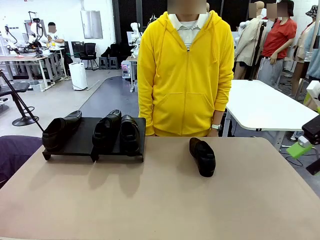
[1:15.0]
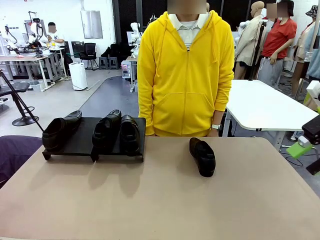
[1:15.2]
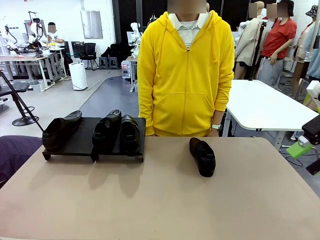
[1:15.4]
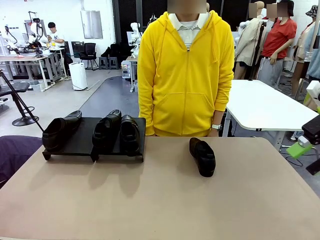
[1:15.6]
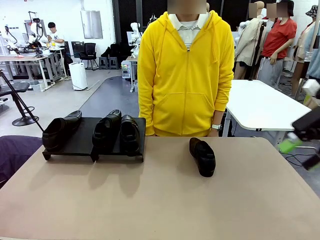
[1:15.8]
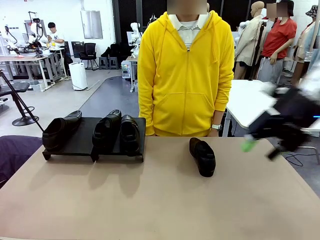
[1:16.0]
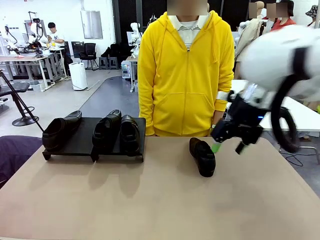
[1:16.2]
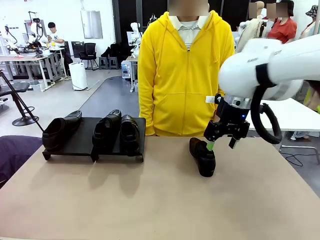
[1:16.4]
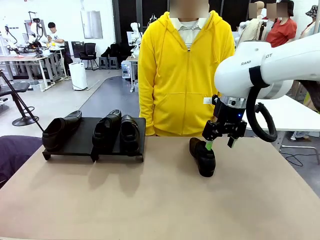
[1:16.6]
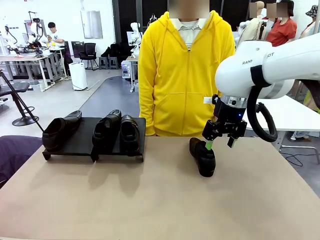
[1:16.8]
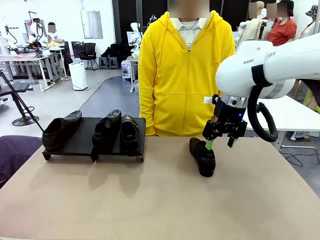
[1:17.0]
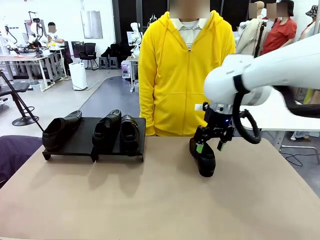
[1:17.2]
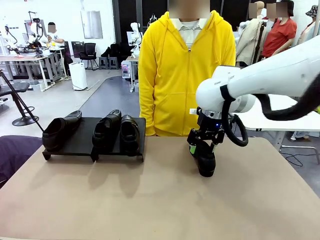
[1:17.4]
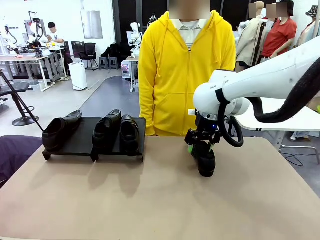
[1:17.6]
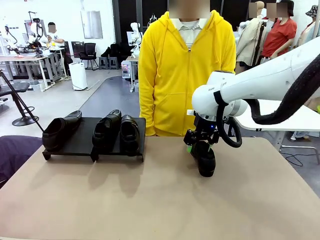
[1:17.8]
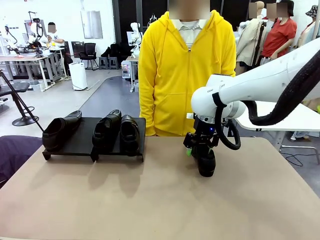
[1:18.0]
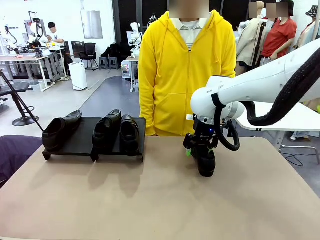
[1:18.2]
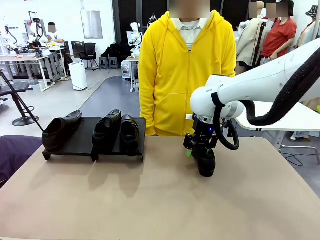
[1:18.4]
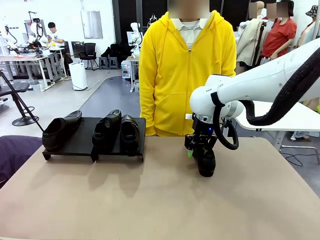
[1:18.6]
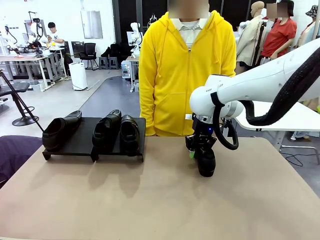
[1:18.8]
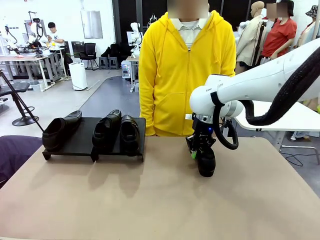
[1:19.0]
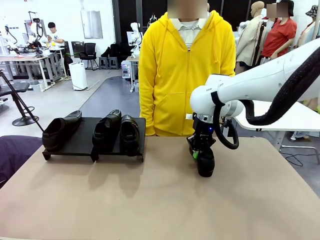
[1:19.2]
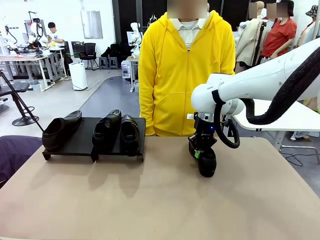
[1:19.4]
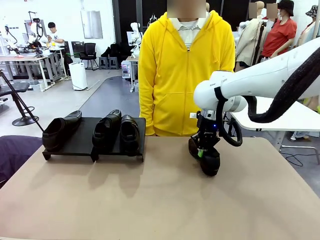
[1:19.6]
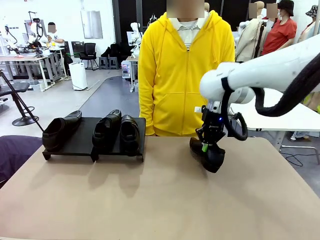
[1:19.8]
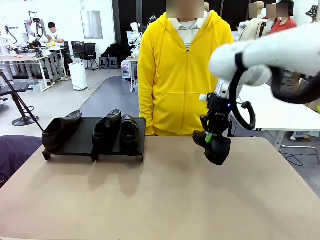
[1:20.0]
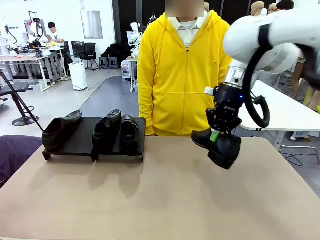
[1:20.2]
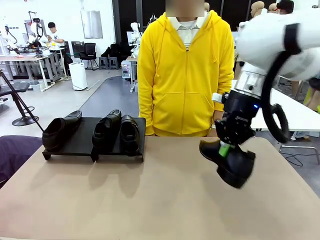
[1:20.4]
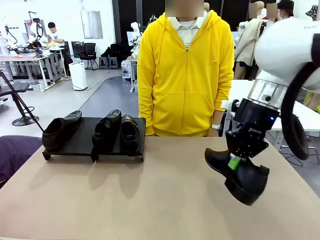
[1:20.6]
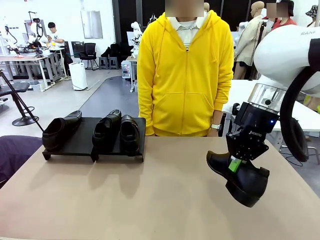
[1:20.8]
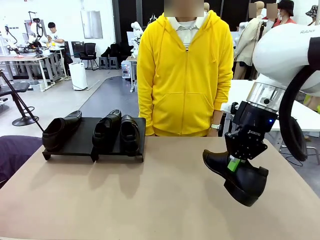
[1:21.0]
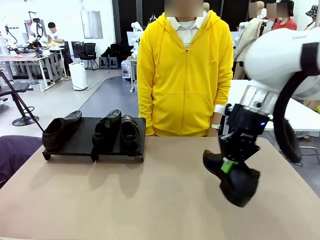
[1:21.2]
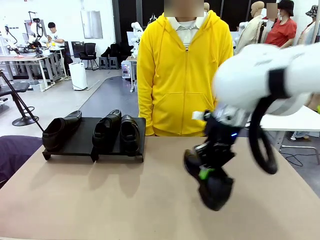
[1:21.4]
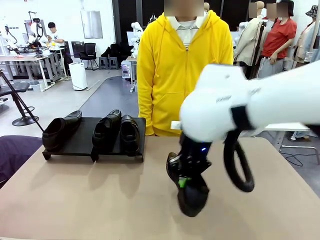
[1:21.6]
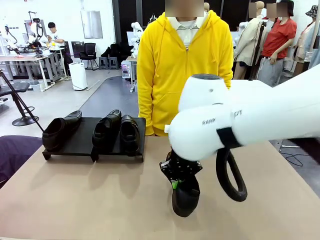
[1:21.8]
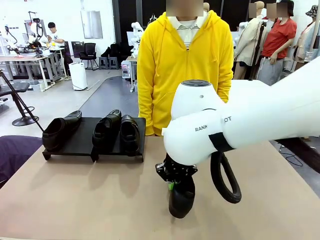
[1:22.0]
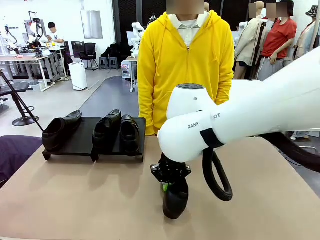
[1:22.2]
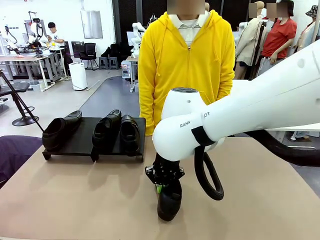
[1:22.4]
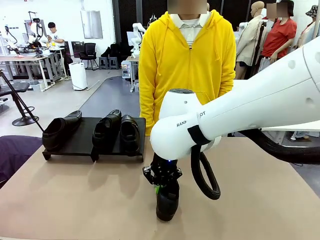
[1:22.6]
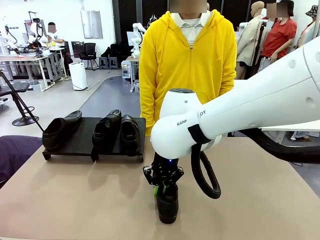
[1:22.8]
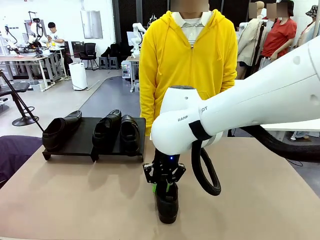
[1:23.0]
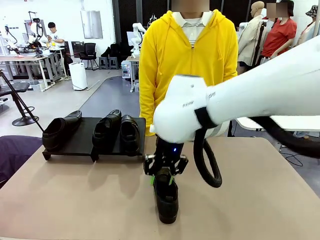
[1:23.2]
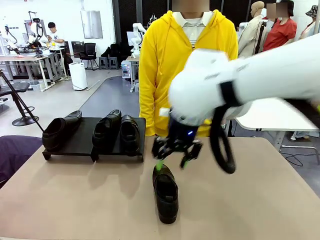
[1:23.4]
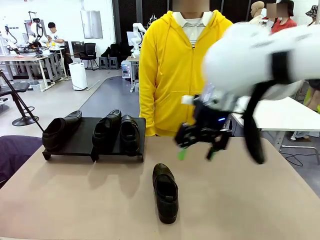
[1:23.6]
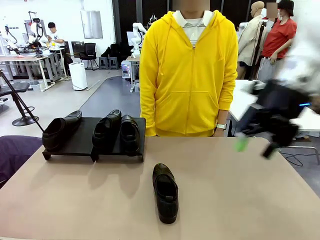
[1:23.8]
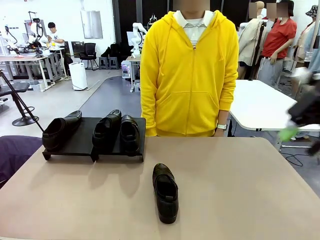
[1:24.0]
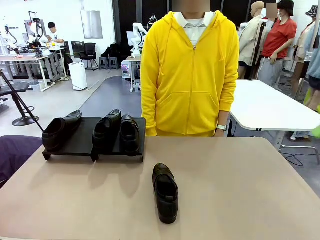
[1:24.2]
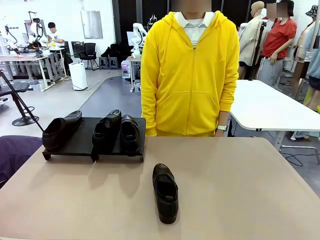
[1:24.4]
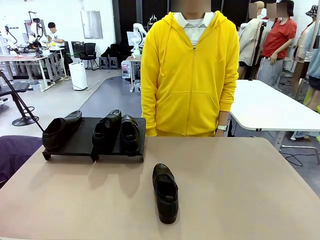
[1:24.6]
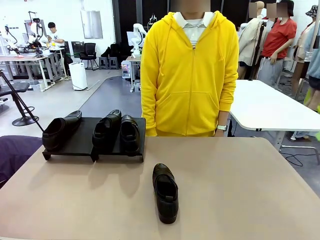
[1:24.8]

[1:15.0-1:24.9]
Task: Organize the shoes by placing them on the stand.
Robot: Pick up one Shoe and place it in the middle of the table.

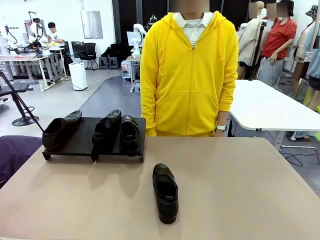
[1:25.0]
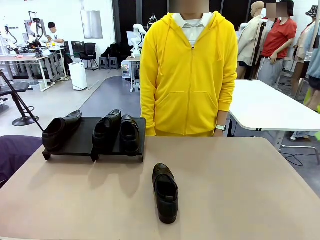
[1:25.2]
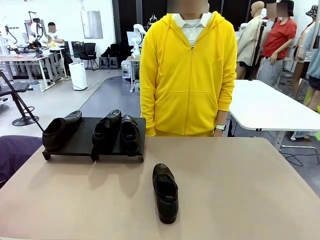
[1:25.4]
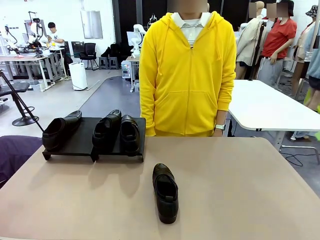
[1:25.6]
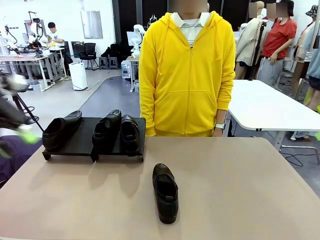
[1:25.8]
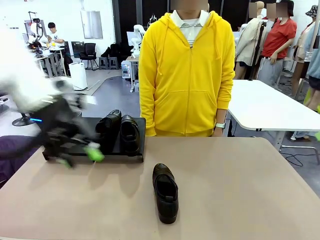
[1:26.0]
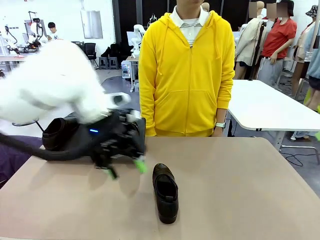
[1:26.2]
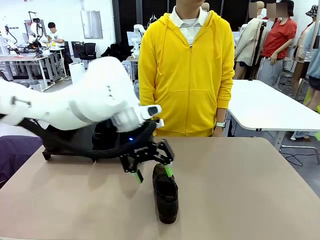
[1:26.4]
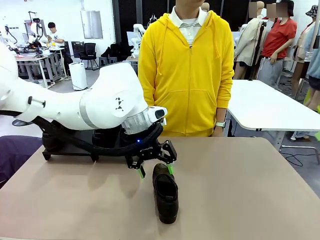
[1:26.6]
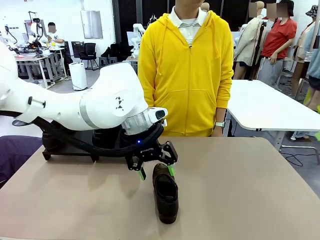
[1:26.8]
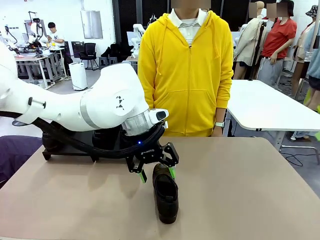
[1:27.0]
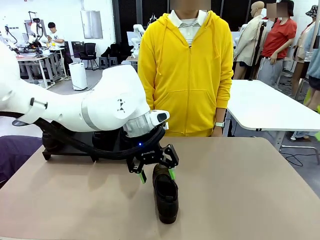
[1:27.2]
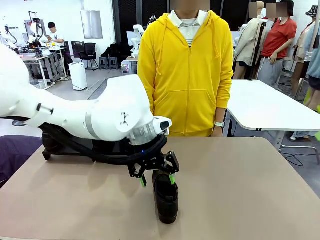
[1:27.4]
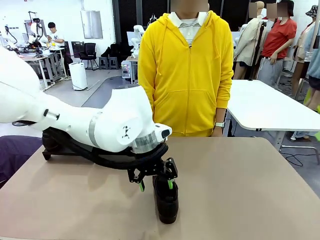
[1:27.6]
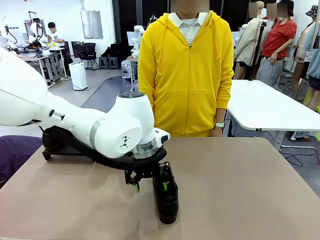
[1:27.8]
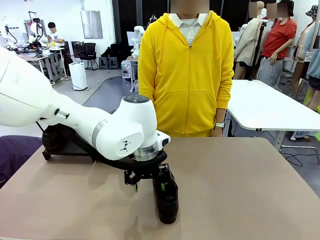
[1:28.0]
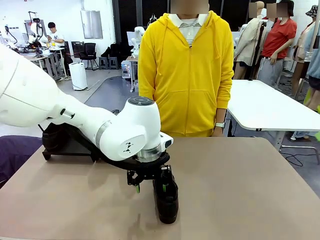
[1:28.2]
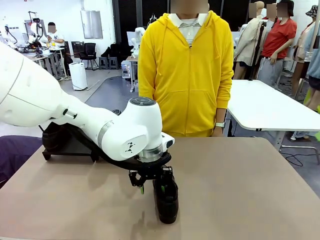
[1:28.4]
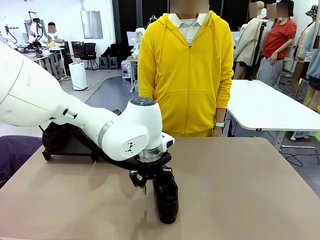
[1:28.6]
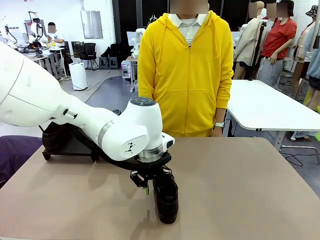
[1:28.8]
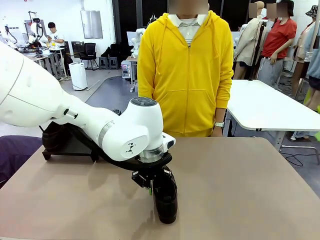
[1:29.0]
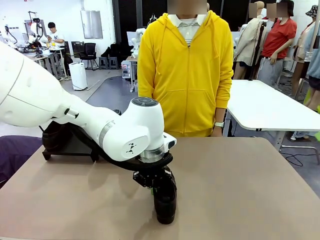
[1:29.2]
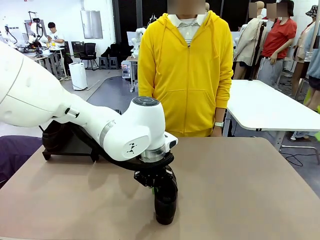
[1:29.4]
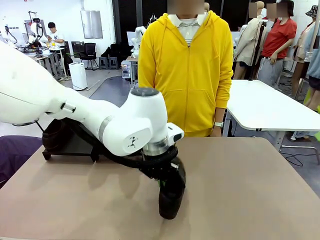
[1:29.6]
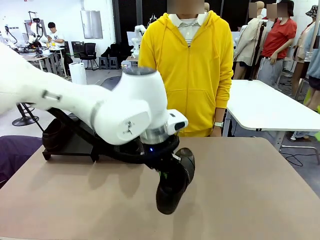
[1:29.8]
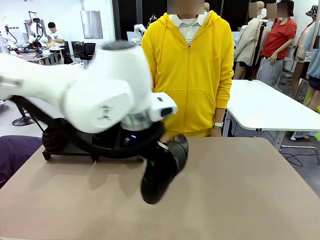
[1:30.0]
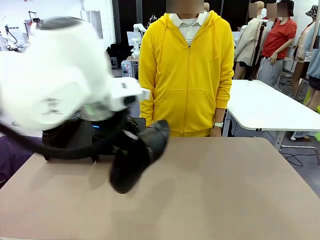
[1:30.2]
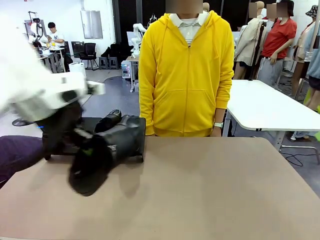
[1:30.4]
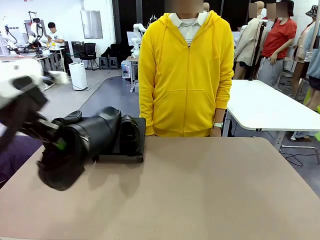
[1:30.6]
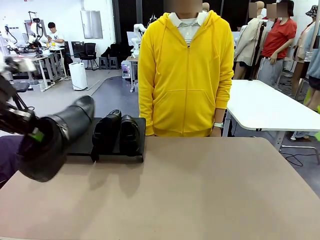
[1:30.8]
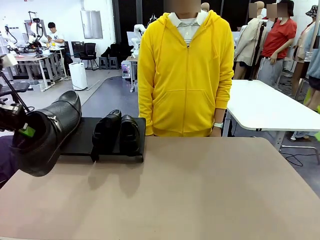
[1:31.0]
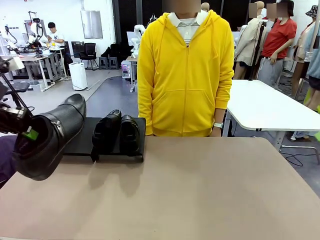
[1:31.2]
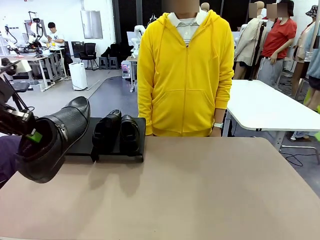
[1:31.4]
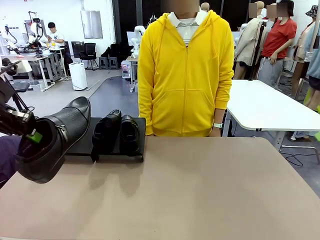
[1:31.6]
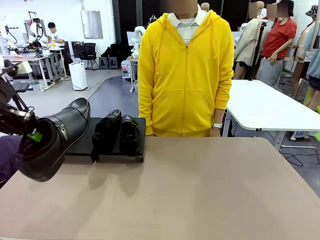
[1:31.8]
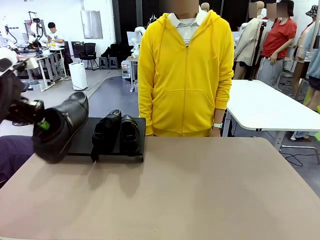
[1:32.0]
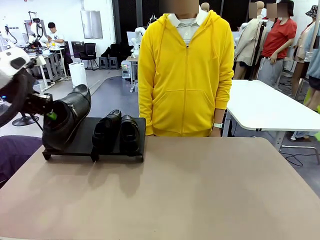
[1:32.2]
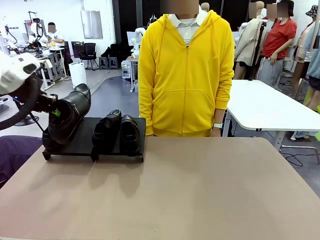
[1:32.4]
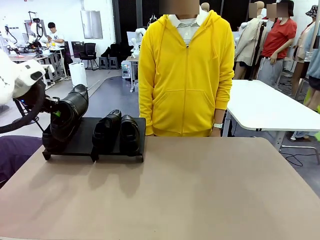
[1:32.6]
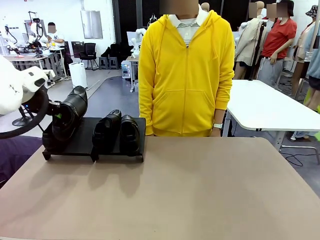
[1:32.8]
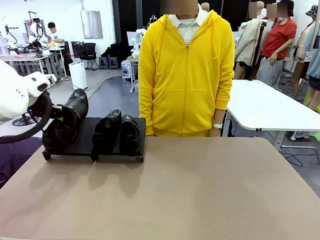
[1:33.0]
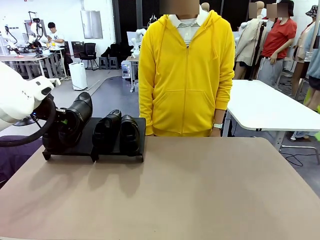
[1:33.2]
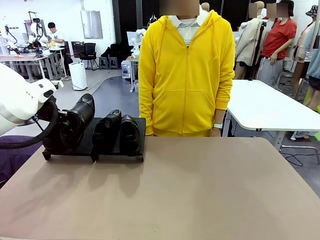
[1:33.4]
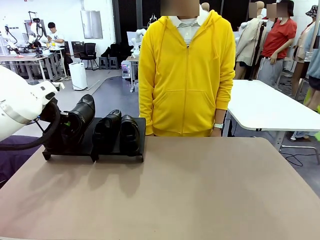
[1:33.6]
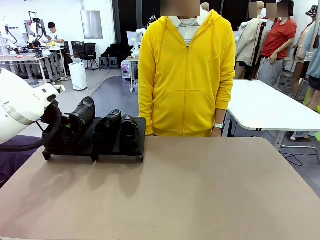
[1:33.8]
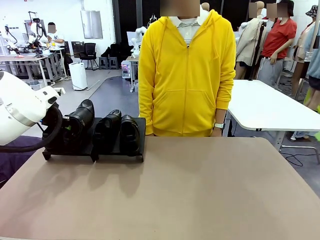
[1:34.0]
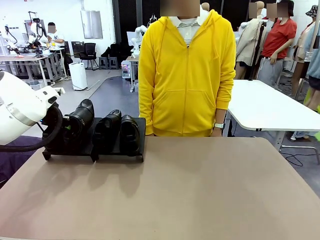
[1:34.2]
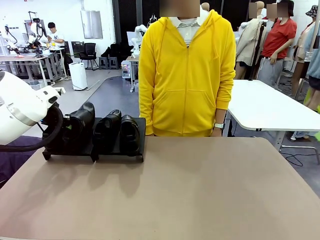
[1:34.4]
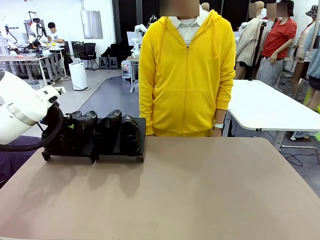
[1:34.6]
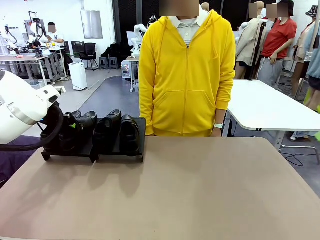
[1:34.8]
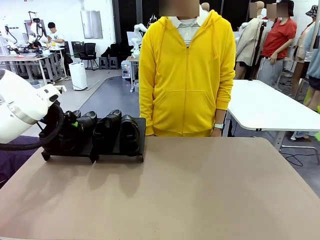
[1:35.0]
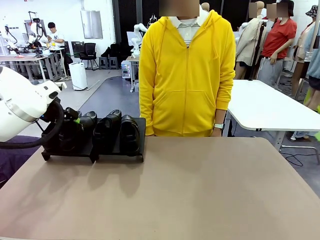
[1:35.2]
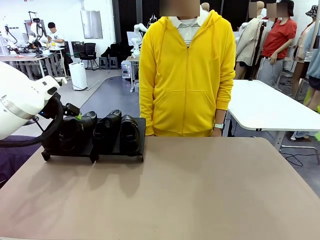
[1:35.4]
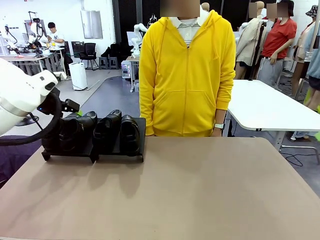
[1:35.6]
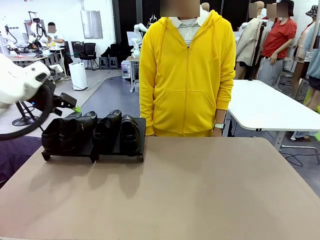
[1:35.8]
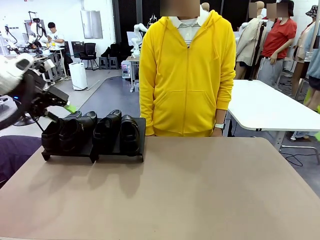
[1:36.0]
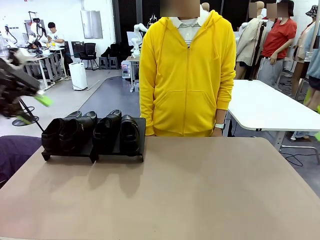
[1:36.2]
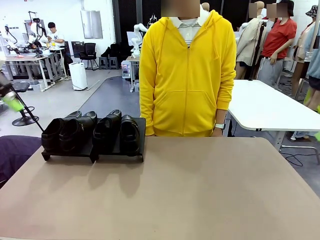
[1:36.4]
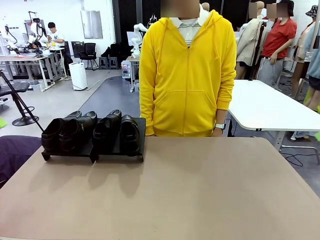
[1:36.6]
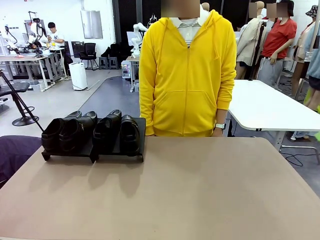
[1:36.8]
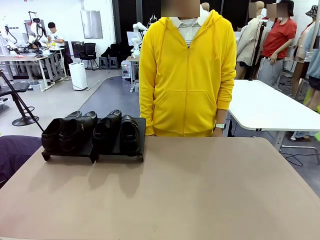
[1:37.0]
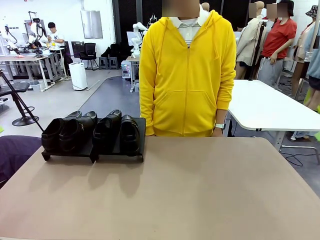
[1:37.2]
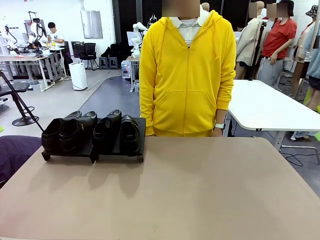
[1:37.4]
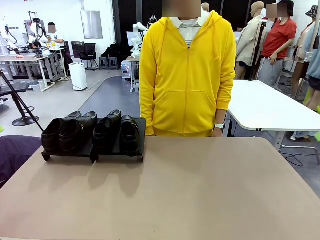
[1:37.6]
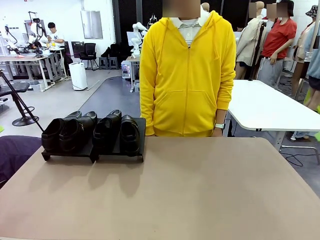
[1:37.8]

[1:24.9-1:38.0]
Robot: Place the Shoe from the middle of the table onto the Shoes Stand.
